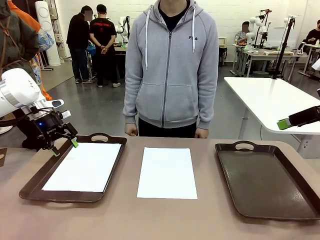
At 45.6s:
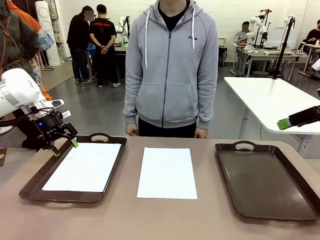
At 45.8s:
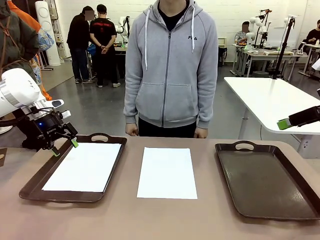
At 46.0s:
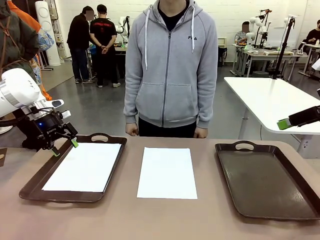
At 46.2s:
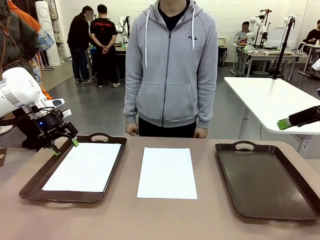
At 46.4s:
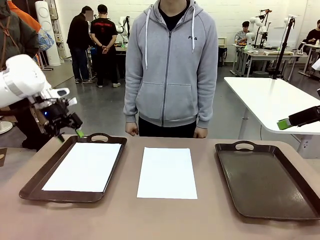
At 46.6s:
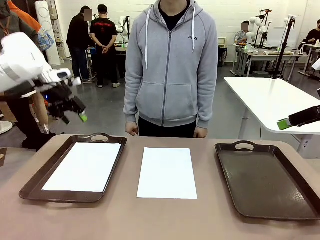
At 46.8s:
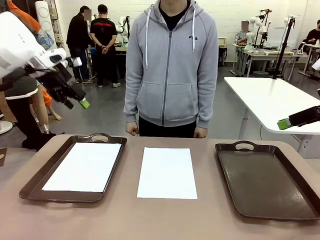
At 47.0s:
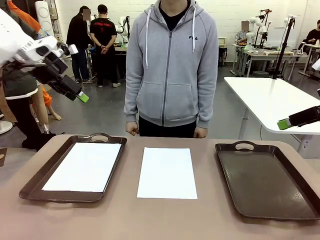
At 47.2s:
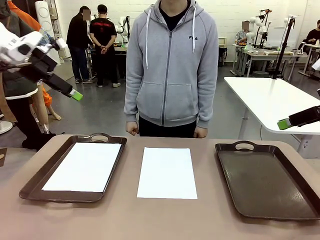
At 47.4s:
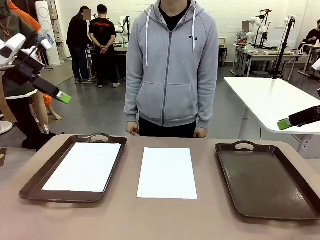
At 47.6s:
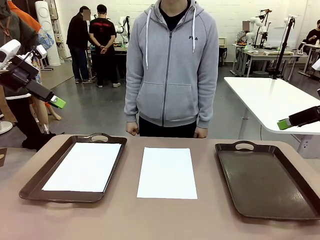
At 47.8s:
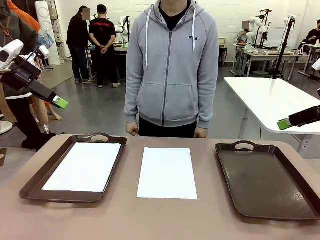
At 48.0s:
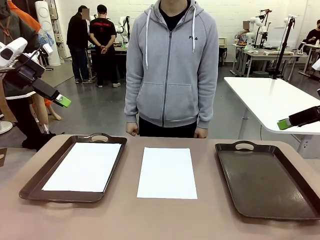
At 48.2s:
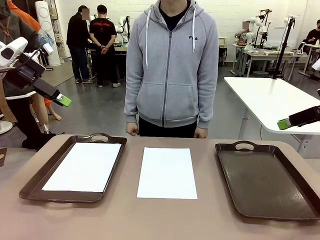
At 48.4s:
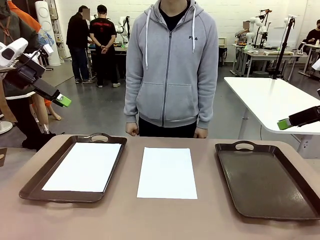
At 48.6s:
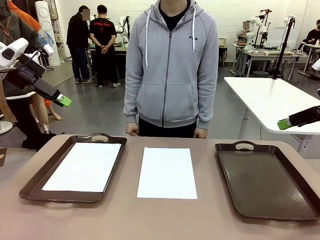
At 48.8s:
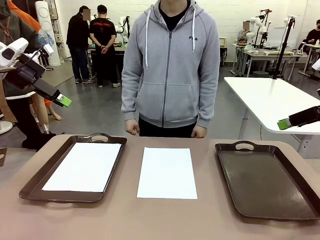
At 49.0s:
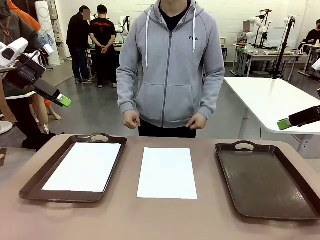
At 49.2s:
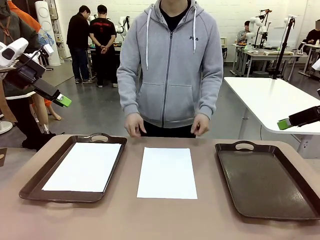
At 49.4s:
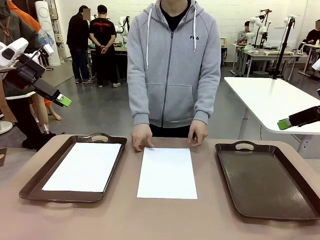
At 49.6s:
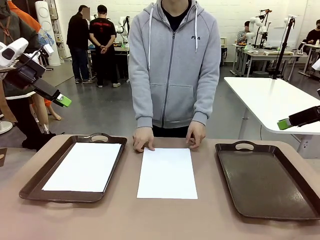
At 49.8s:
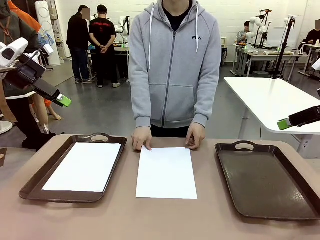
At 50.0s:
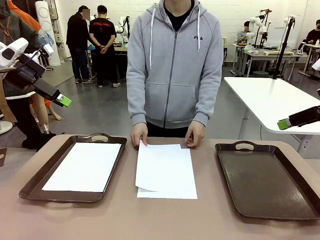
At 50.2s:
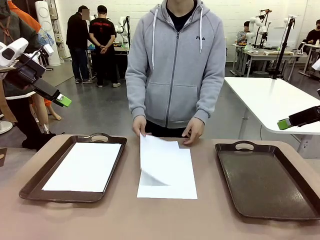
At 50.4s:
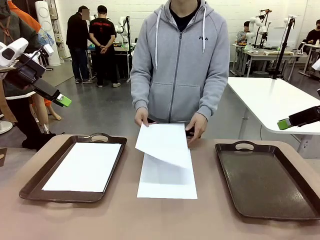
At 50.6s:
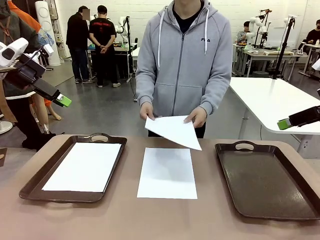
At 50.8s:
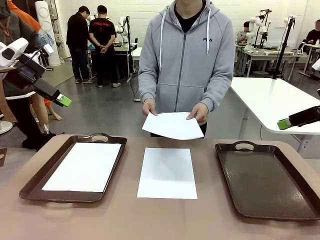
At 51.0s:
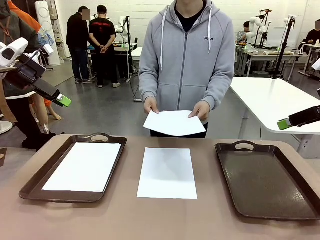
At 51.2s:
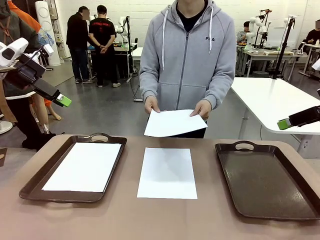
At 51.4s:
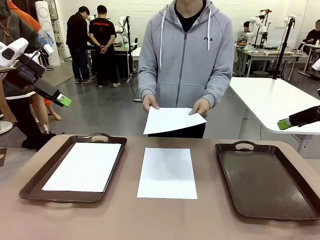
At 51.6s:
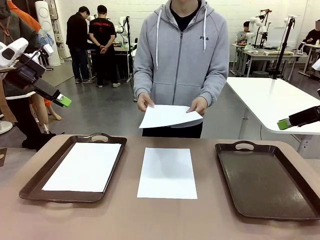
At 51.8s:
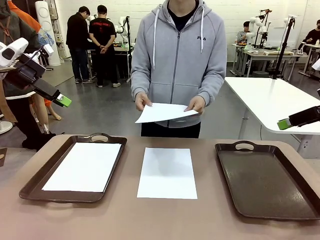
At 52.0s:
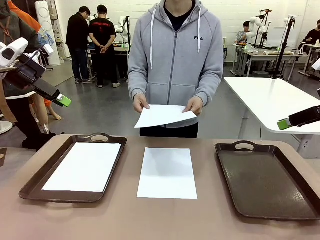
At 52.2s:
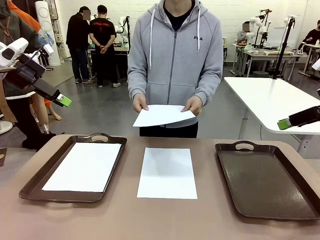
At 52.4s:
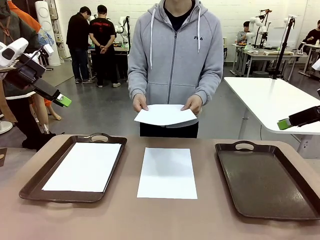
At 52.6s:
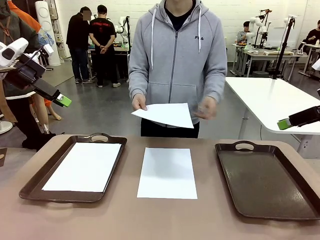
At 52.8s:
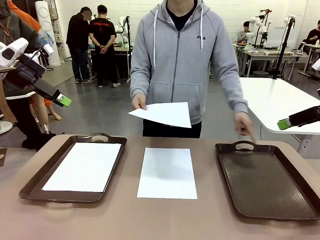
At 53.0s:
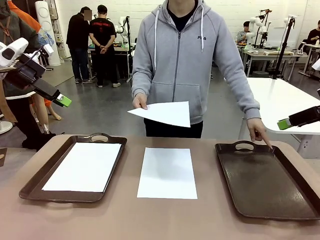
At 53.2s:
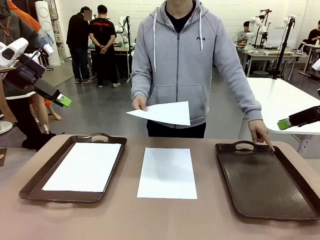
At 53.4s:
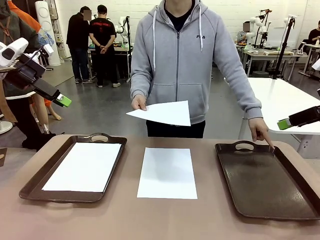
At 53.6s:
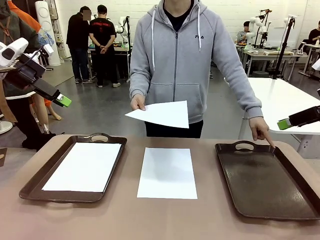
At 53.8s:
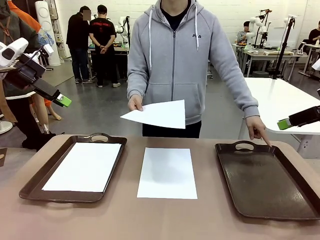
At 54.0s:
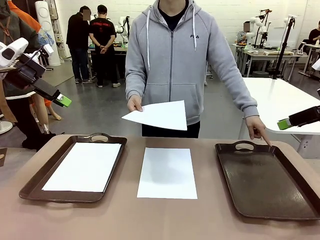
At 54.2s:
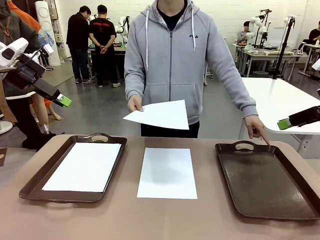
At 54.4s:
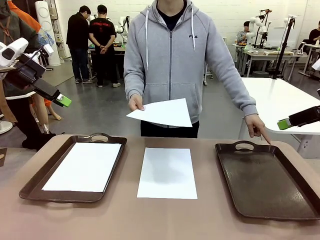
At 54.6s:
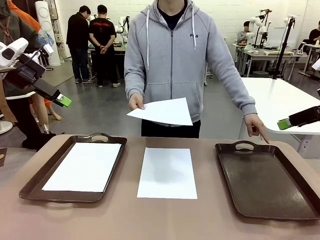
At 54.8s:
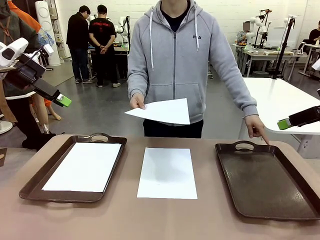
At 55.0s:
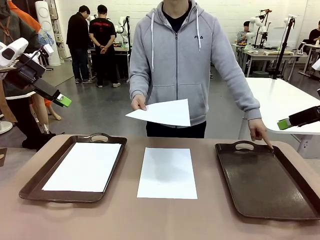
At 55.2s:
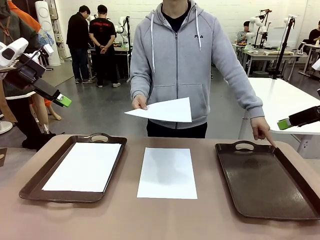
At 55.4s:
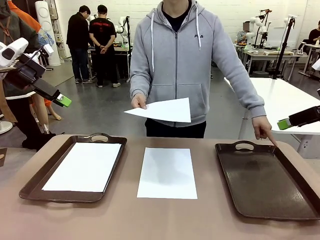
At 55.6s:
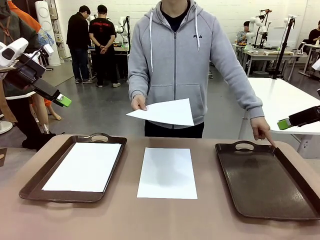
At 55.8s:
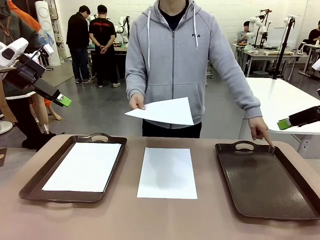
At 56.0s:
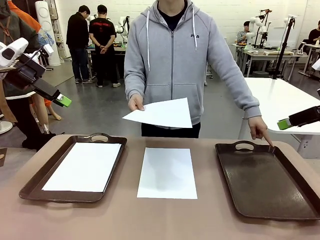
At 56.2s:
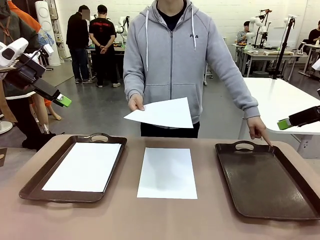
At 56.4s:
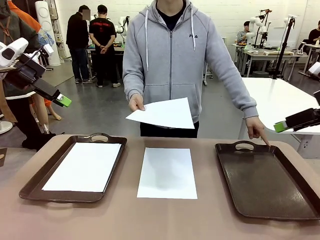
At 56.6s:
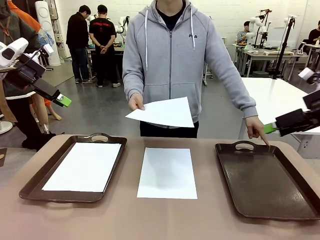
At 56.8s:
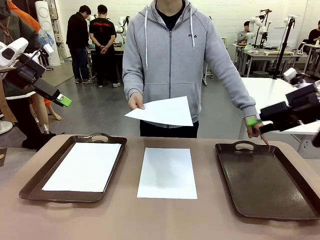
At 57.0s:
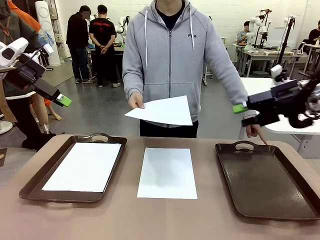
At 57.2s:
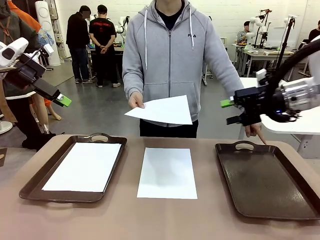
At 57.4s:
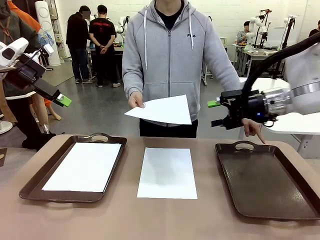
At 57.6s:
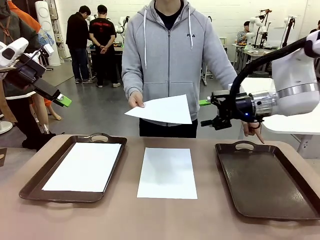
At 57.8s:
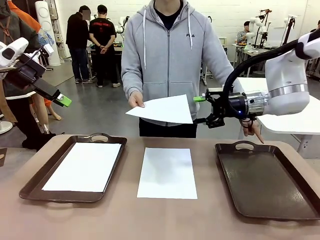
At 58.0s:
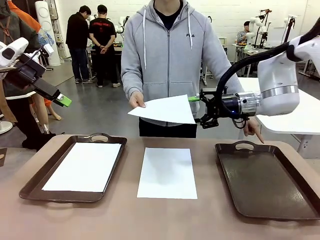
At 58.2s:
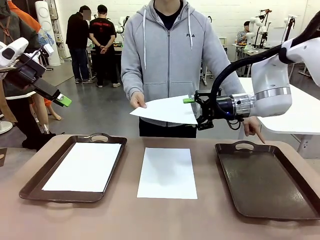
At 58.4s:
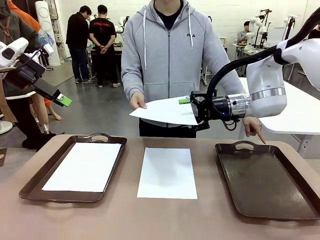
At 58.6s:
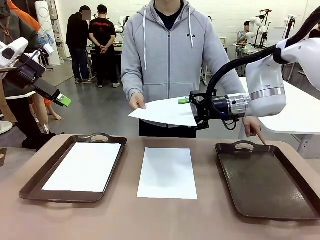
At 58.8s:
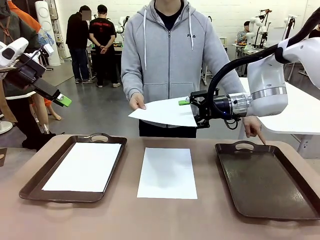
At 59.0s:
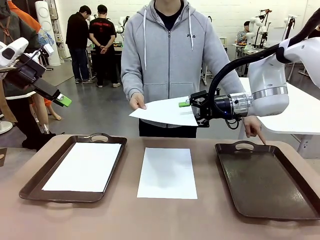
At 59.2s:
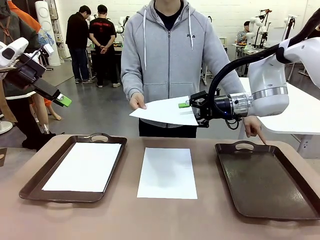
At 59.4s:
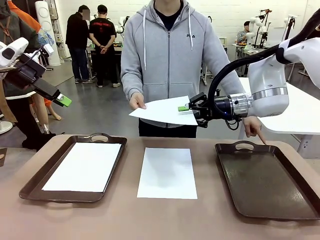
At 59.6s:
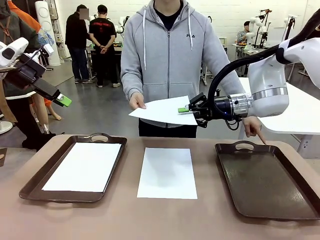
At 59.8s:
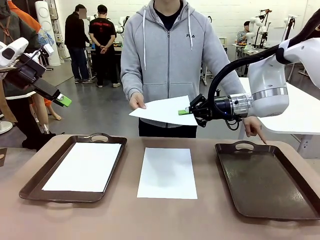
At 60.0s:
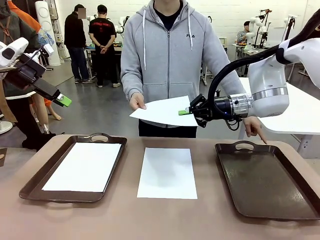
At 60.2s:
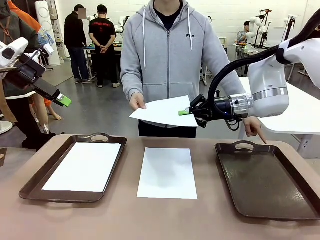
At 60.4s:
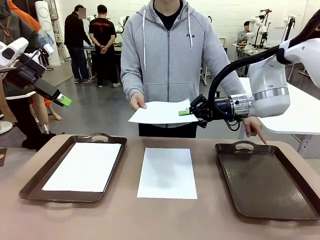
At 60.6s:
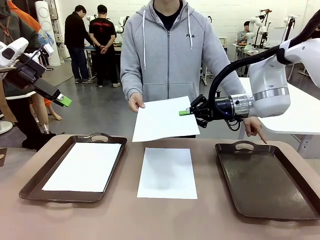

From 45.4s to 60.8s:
Task: Sort the A4 documents.
Robot: Receive the A4 Paper.
Person: Point the randomly selected tray with the other hand.

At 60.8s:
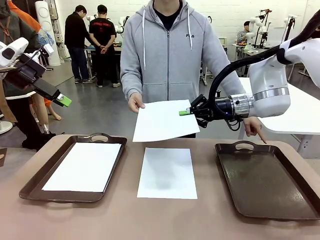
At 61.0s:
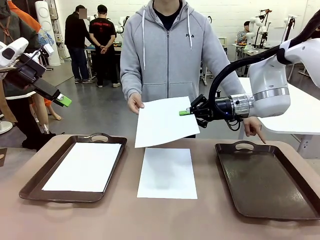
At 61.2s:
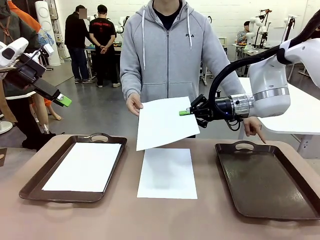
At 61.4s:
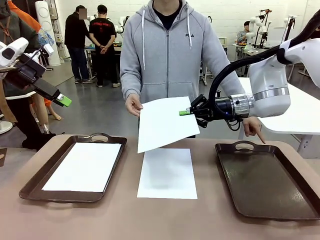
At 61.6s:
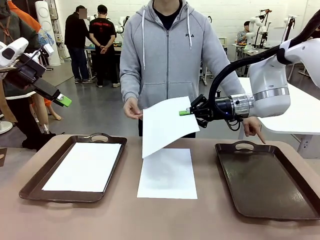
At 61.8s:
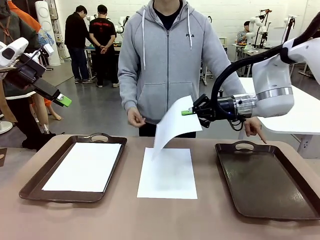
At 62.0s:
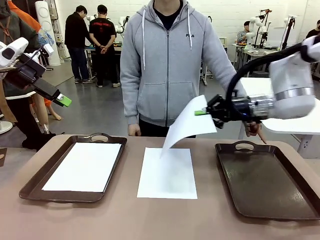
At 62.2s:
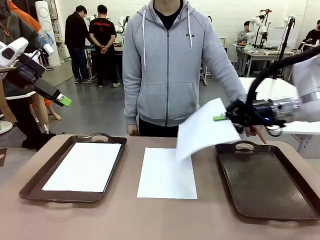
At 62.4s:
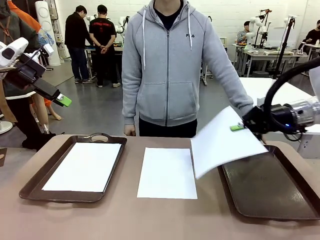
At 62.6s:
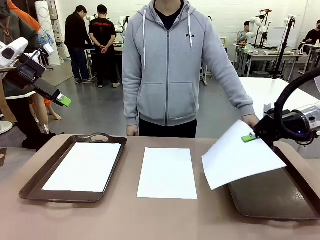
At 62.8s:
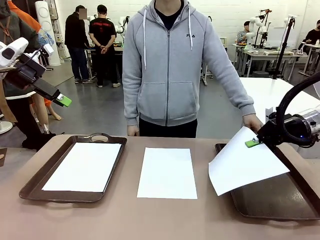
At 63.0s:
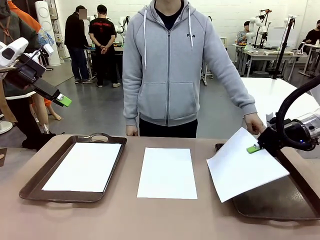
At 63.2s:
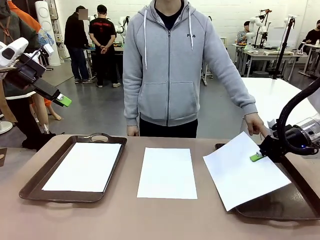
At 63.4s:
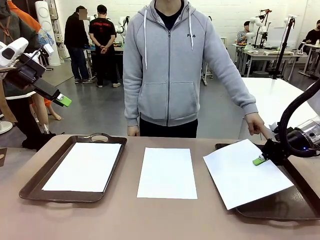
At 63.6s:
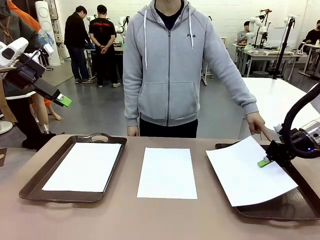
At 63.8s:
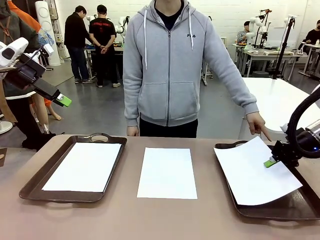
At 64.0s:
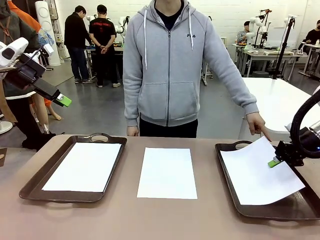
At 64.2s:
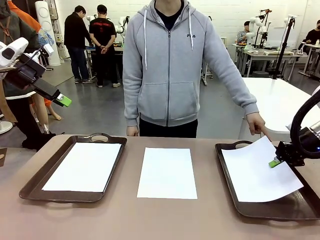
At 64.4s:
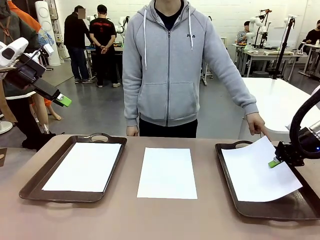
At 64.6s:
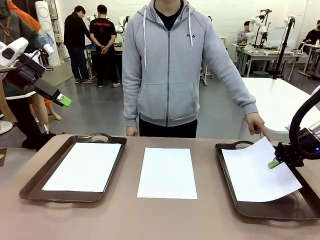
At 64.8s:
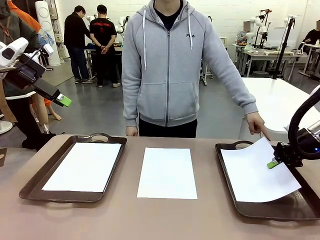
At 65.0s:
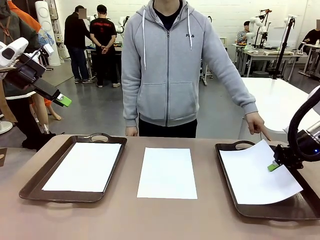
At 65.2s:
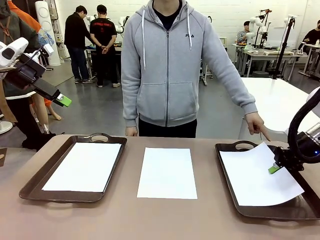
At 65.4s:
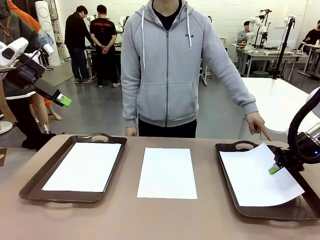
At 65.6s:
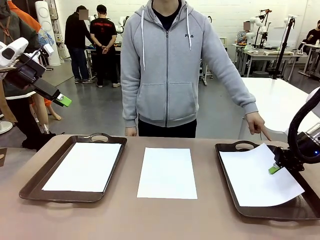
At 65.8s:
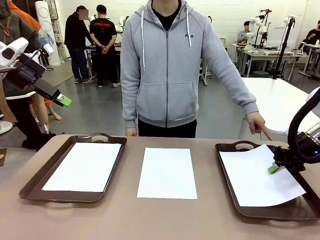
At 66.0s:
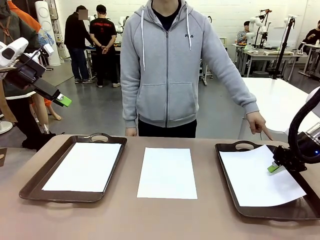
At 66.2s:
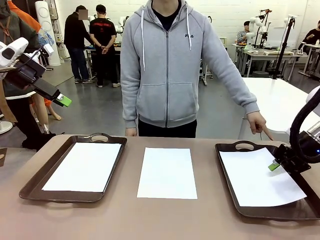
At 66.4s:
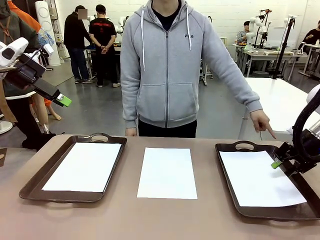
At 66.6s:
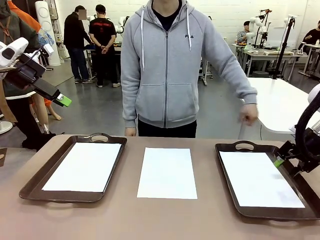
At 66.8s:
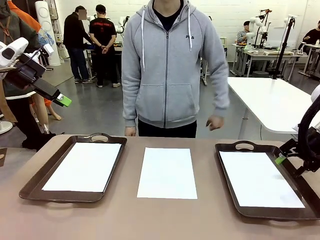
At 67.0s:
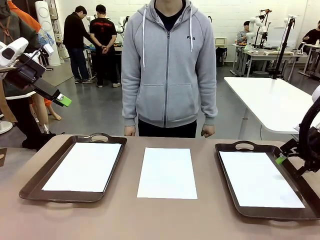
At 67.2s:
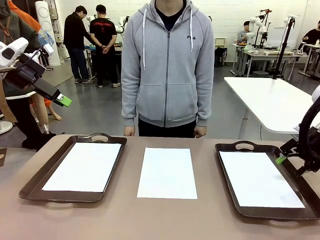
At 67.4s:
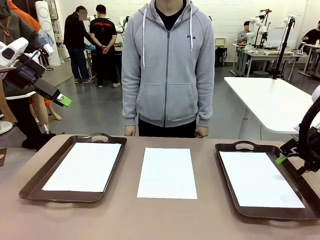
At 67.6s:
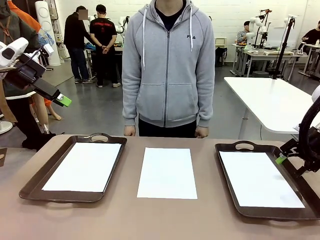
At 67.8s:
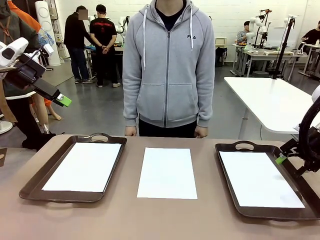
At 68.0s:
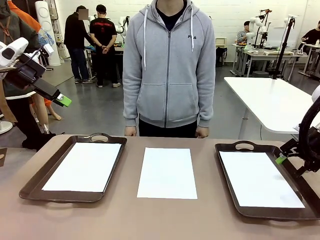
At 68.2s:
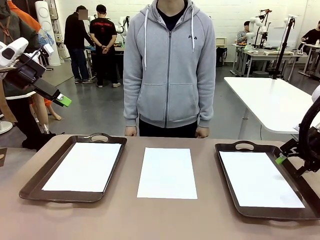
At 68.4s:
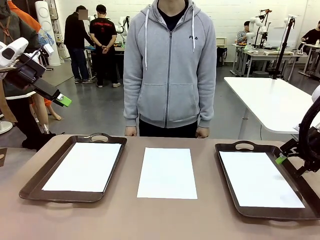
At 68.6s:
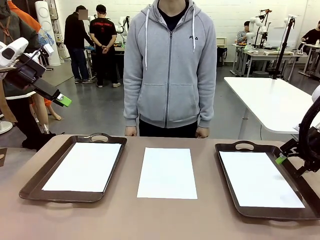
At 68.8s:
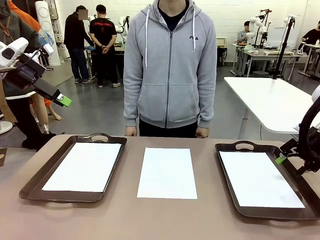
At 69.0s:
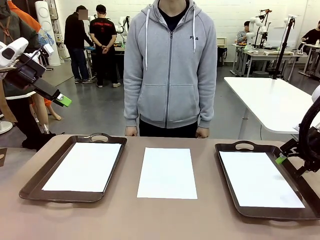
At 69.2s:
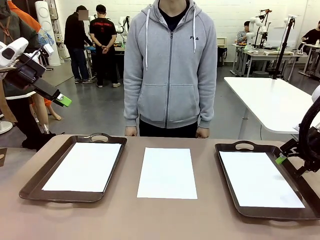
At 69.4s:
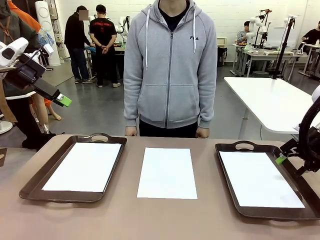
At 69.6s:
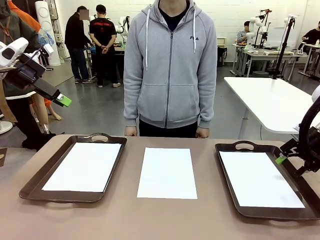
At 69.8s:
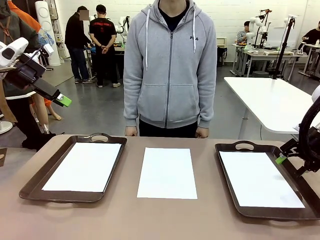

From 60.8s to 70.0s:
Robot: Place the A4 Paper in the designated Handle tray.
